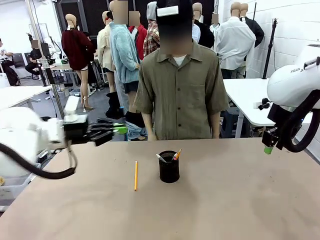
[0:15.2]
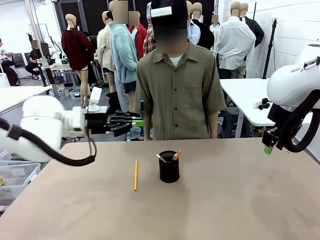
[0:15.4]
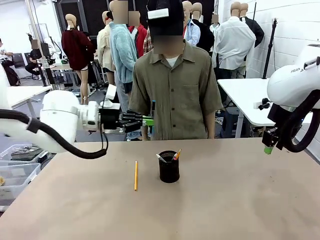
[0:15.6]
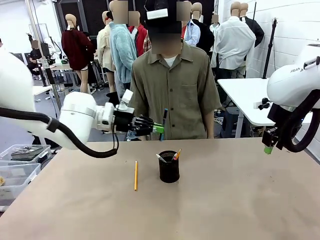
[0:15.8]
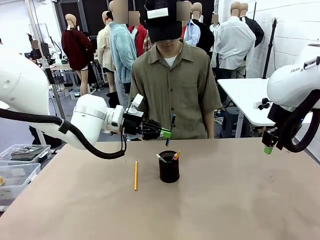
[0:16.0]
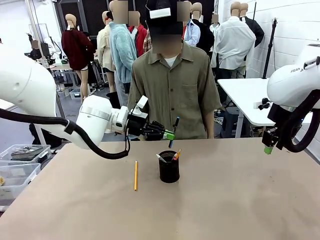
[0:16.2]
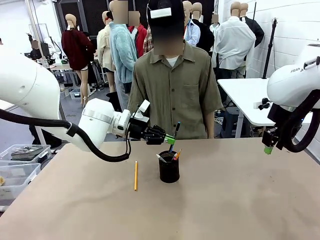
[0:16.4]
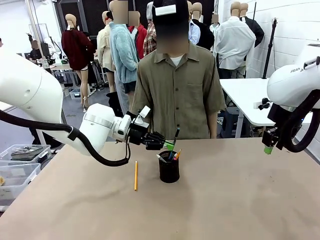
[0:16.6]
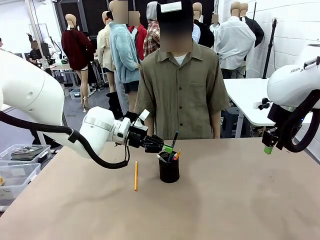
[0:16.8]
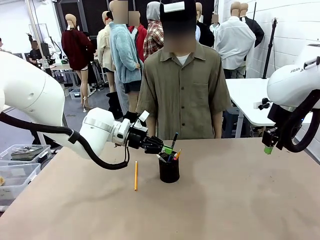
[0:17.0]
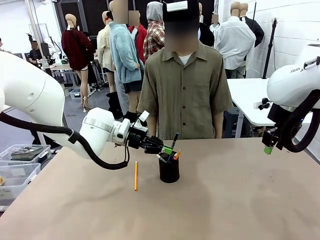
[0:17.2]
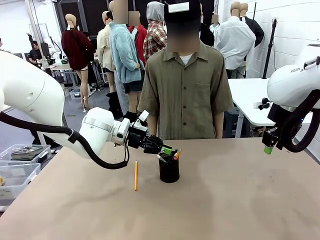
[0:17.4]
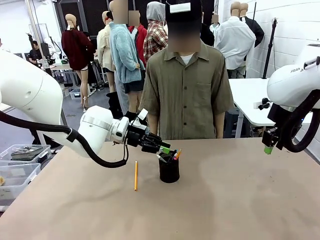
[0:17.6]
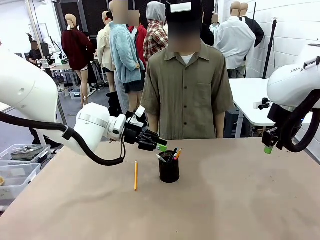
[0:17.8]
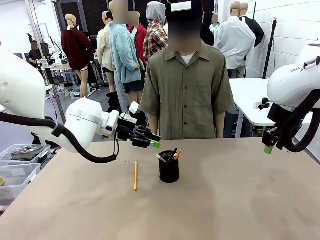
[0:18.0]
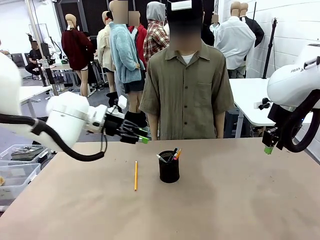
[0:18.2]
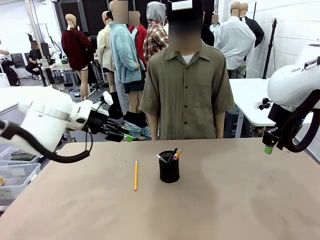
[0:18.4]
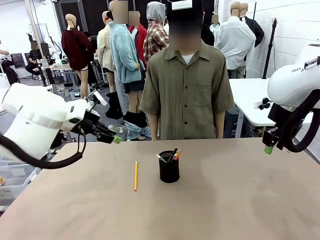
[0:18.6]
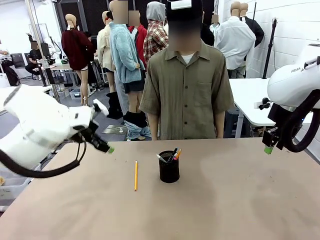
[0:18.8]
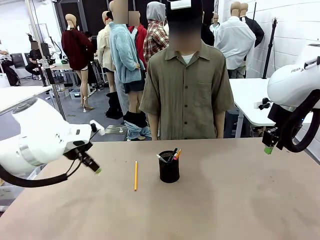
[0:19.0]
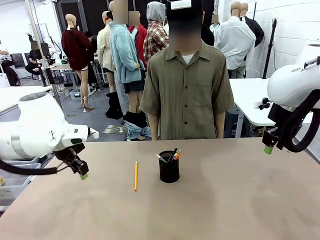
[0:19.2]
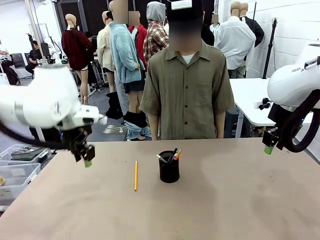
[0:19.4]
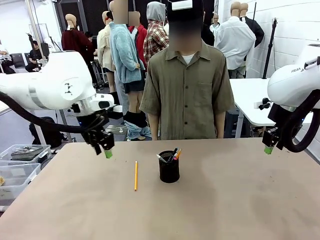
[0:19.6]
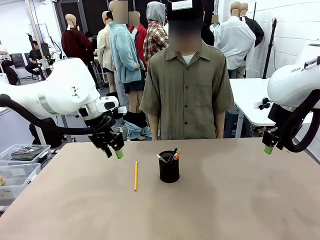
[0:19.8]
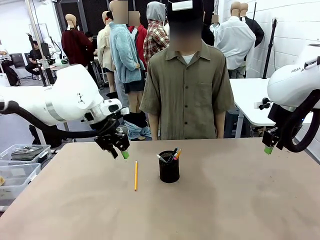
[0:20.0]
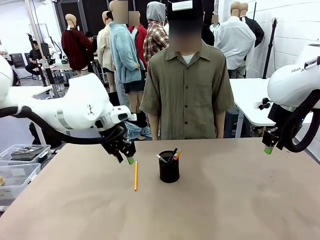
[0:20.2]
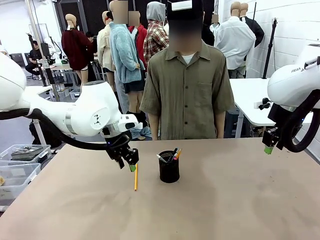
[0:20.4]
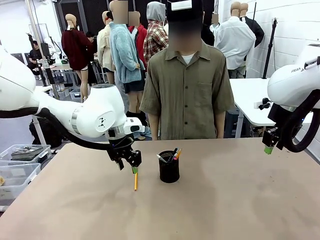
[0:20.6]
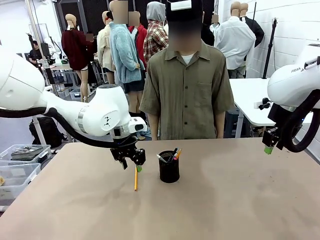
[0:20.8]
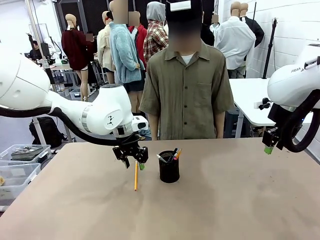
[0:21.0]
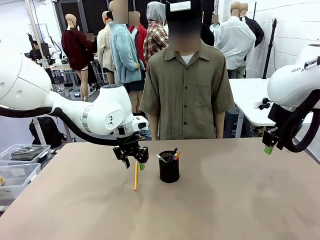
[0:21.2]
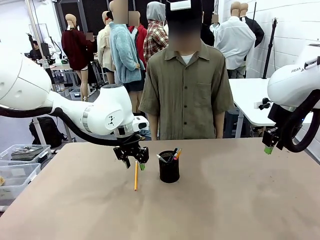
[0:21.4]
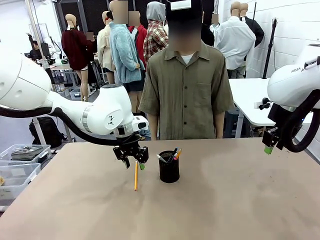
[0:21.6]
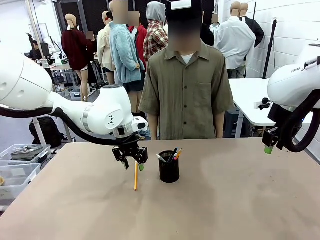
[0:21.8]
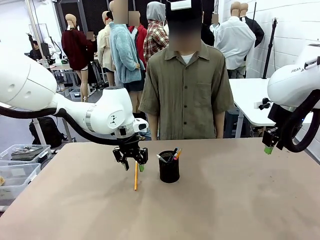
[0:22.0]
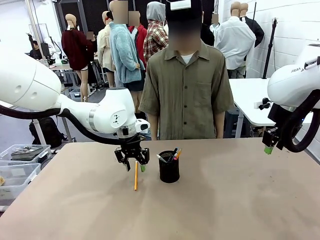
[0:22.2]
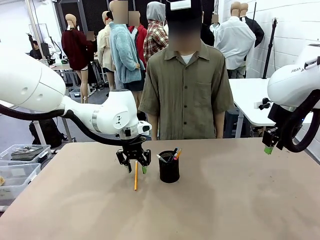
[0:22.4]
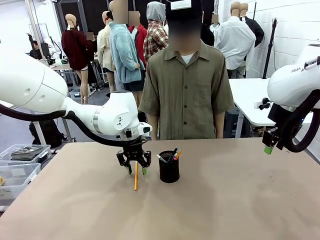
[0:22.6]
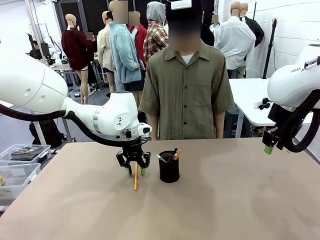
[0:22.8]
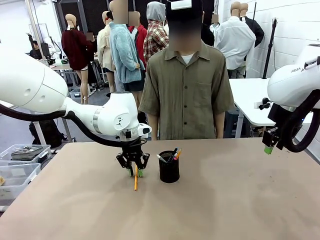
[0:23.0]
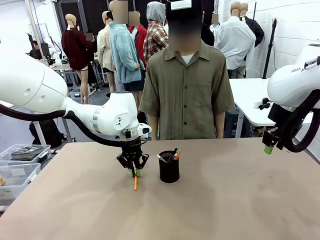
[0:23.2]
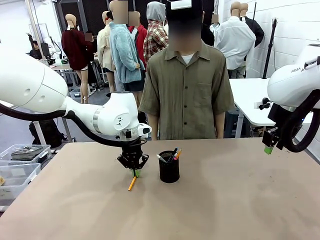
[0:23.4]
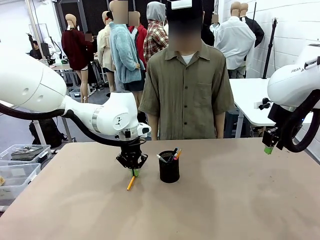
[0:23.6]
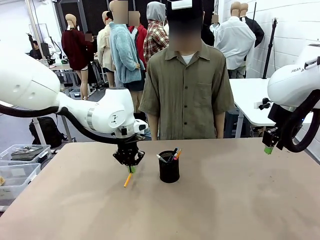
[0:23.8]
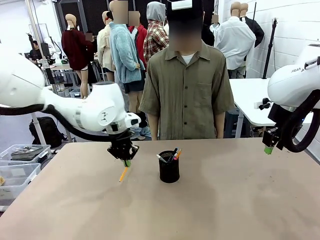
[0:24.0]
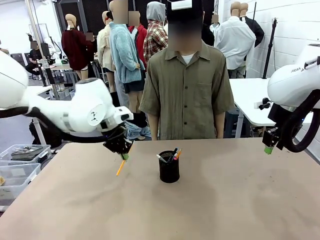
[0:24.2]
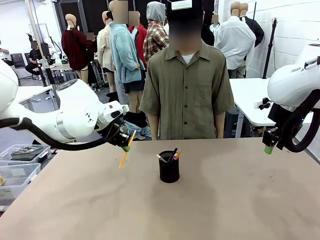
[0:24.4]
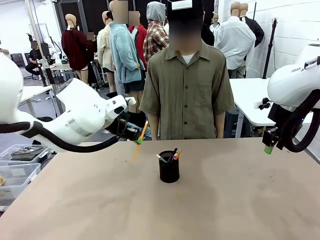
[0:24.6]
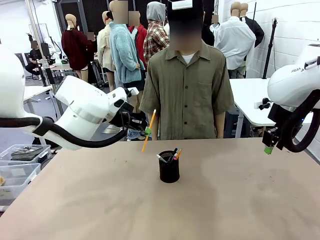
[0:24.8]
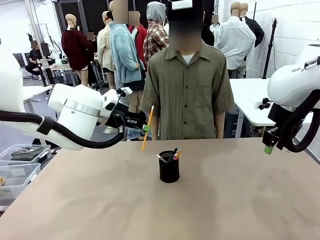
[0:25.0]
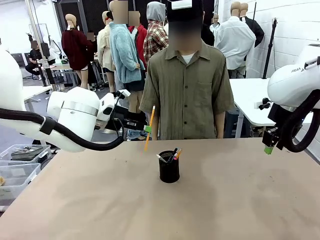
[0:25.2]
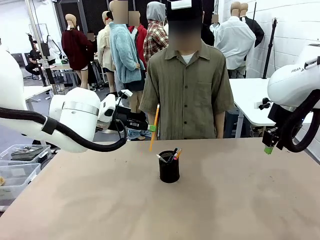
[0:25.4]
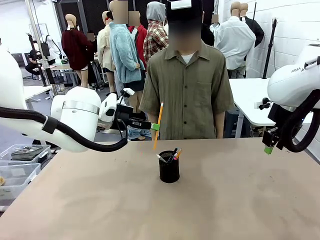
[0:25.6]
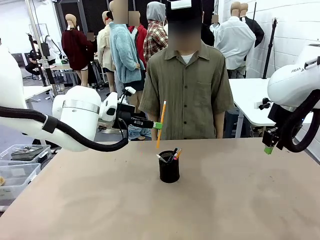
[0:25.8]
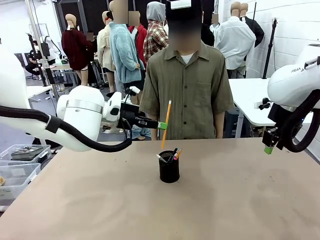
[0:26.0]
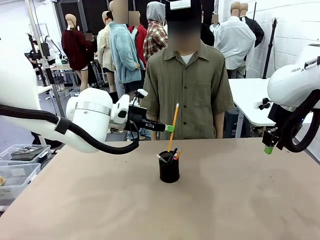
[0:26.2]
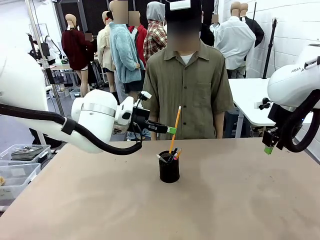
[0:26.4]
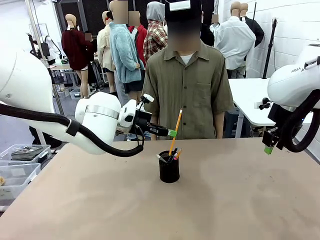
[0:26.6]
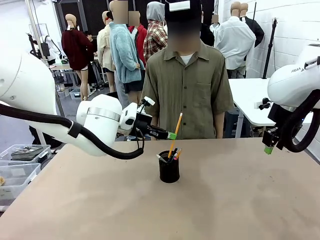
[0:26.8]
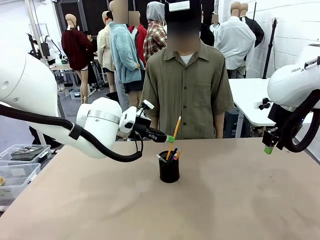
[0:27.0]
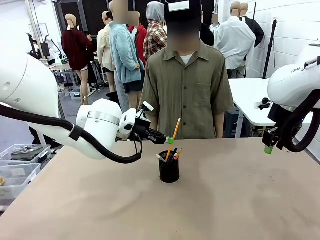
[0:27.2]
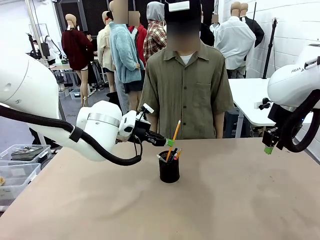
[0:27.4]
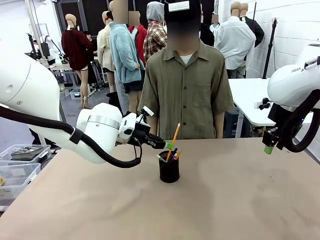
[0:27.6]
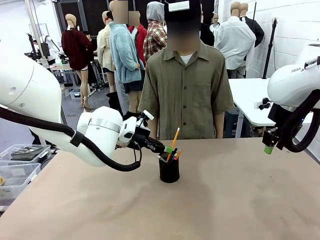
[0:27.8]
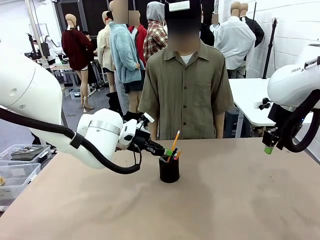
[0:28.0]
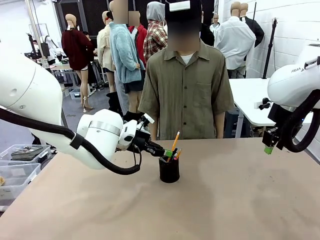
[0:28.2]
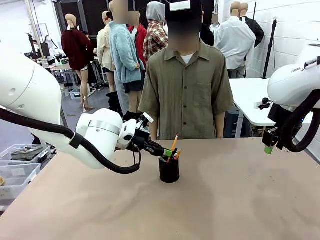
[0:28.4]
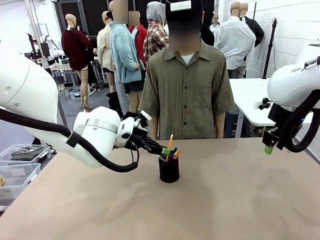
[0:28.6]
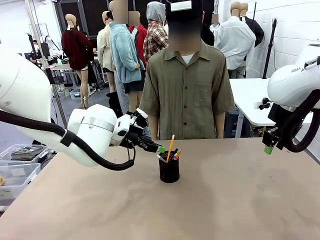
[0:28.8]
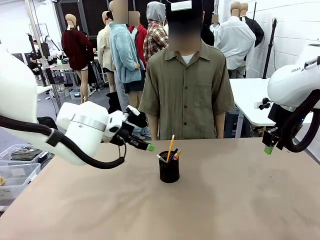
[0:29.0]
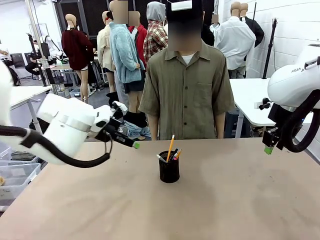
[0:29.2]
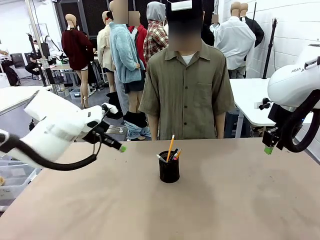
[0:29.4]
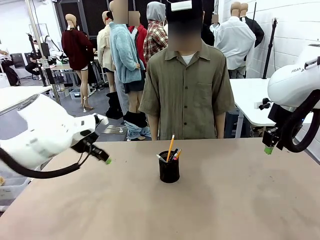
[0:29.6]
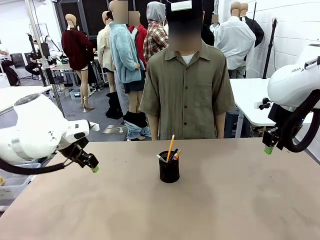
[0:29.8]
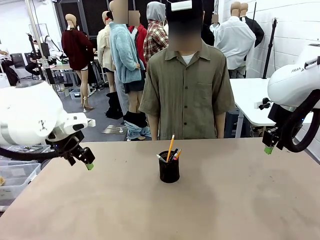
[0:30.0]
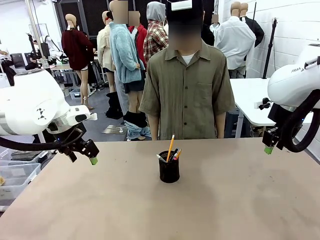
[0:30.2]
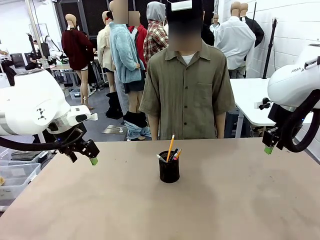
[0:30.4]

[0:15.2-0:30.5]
Task: Place the pens into the pen holder.
Robot: Pick up a writing instrument from the table and place it into the Pen holder.
Person: Place all writing instrument into the Pen holder.
